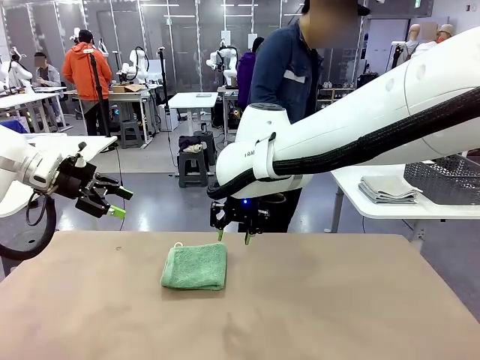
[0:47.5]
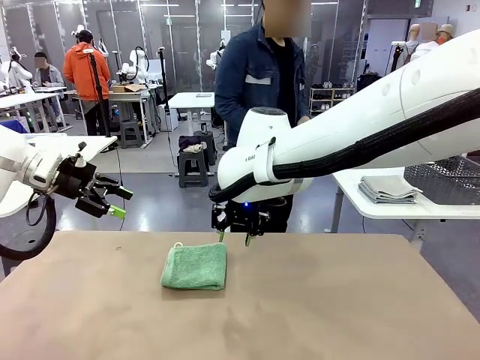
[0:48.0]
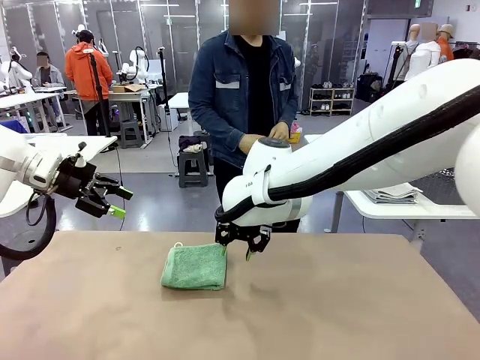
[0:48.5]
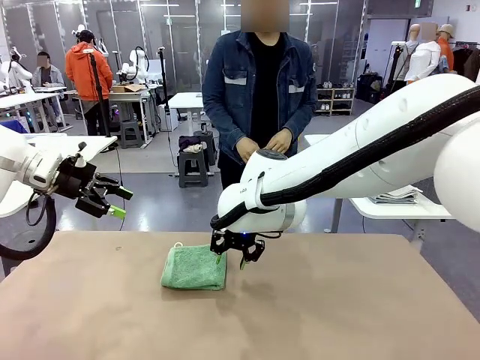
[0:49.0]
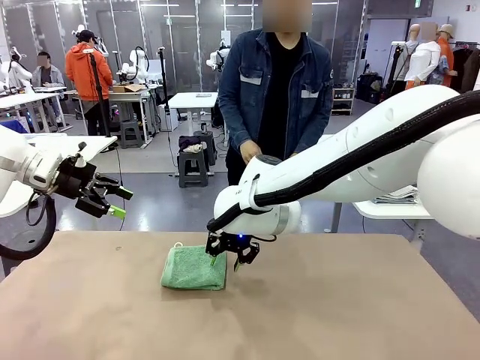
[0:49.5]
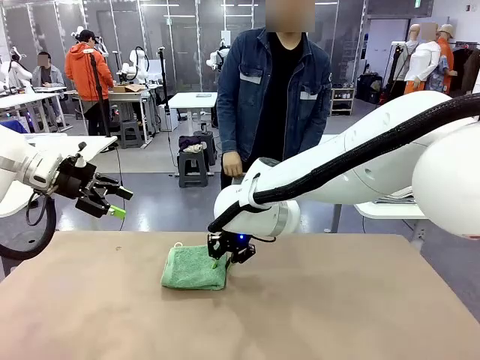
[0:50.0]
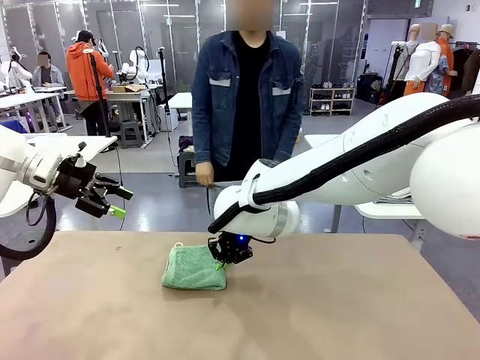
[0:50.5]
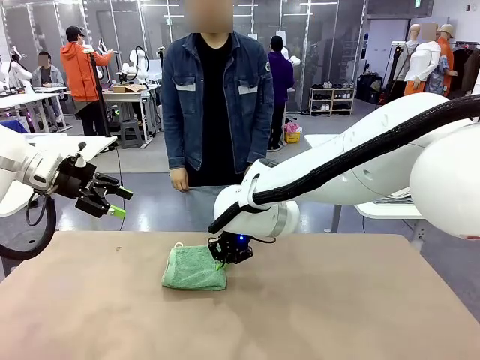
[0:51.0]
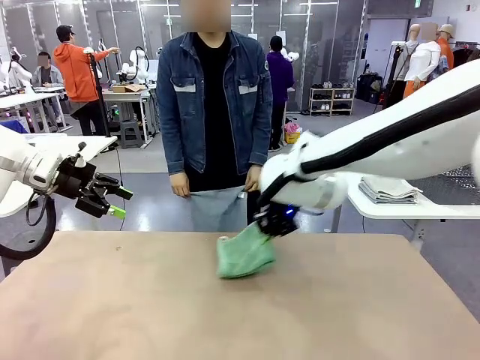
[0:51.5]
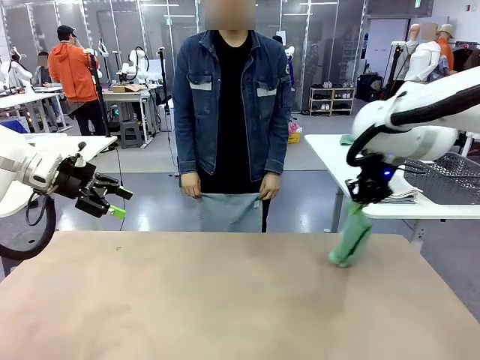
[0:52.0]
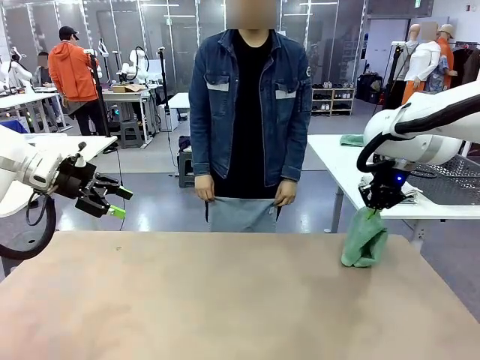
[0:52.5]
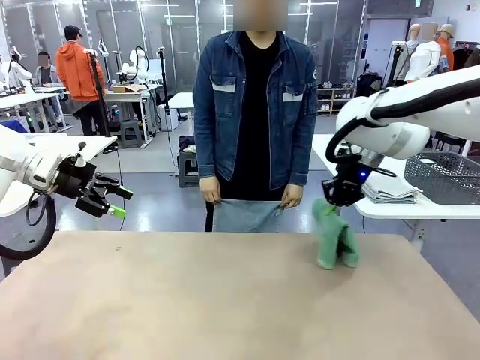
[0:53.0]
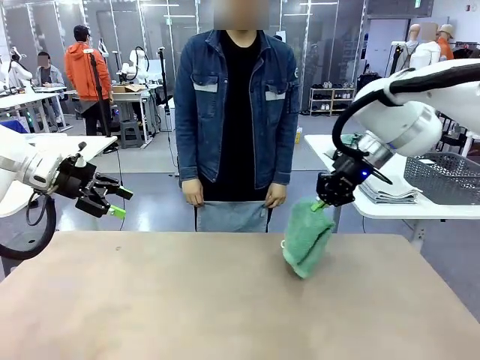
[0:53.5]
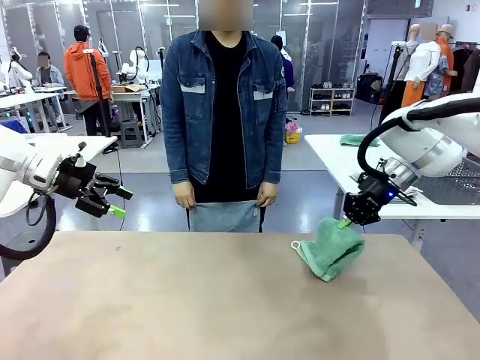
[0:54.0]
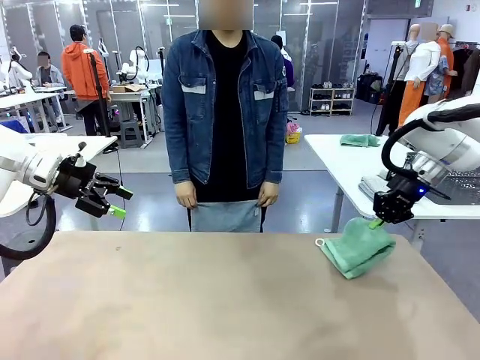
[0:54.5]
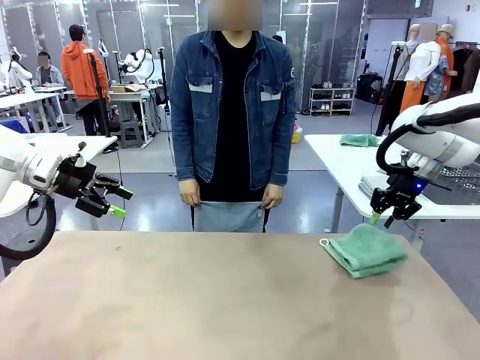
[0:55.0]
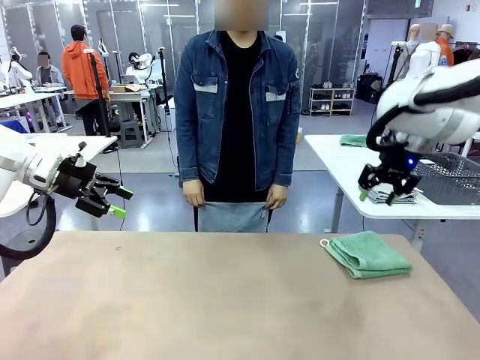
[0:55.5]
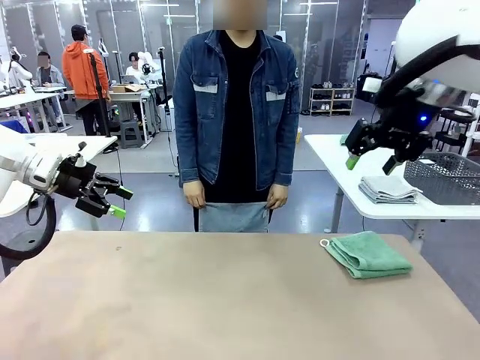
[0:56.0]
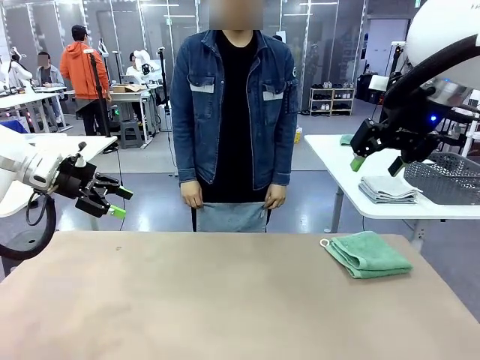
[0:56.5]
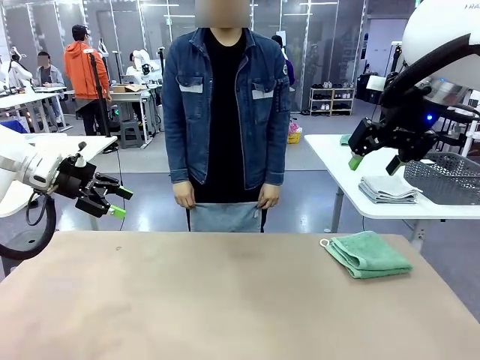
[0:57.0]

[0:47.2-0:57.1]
Task: Fold the towels and place them in the basket.
Robot: Place the folded Towel with hook on the right side of the table.
Person: Pick up one towel from the left side of the human table and spread it out at the center of the robot table.

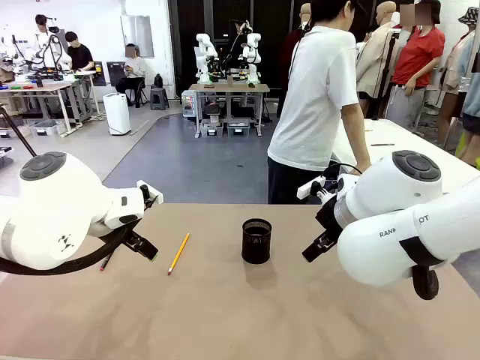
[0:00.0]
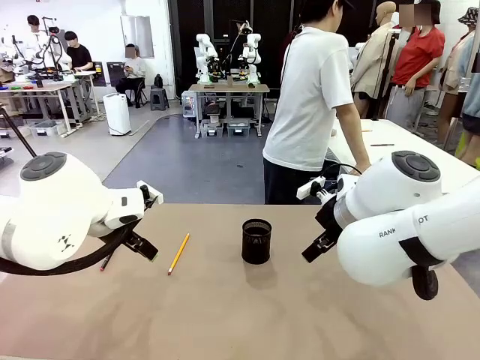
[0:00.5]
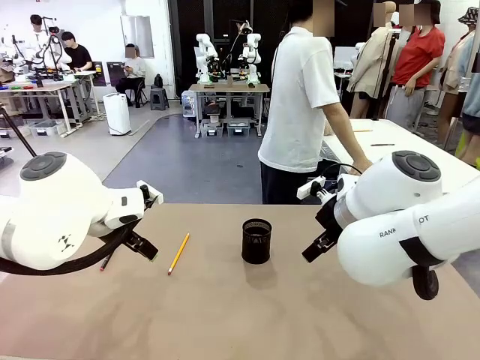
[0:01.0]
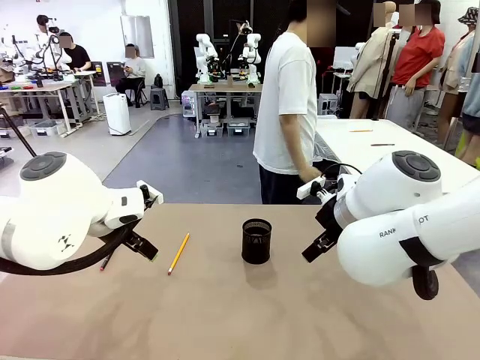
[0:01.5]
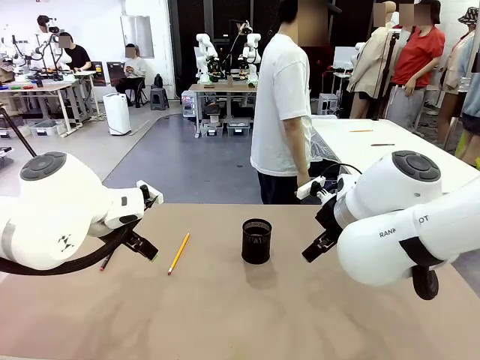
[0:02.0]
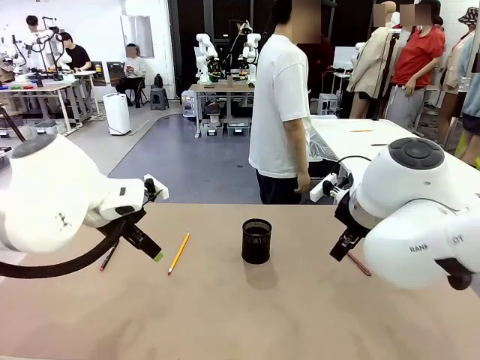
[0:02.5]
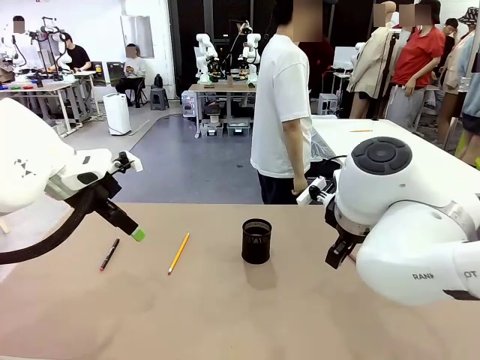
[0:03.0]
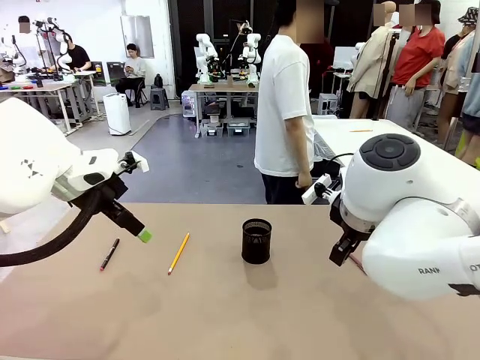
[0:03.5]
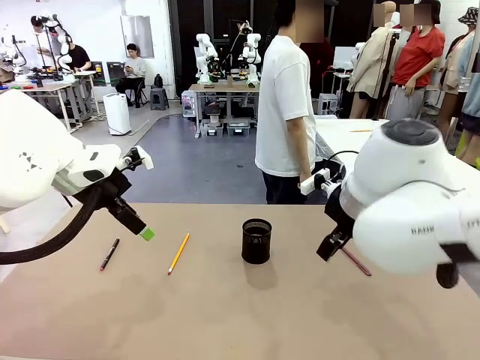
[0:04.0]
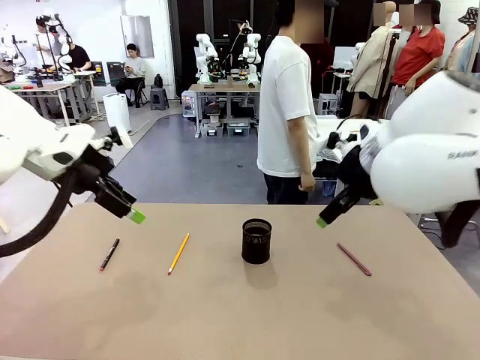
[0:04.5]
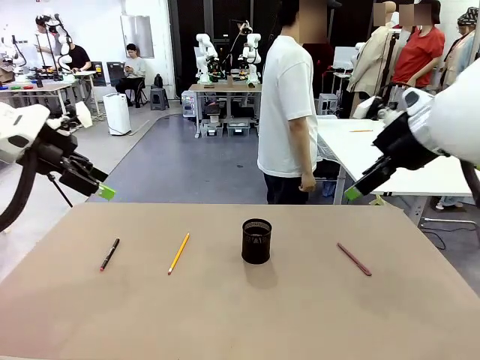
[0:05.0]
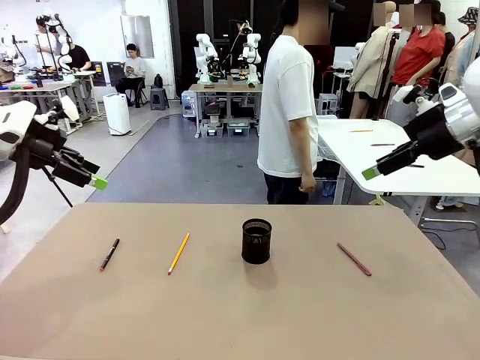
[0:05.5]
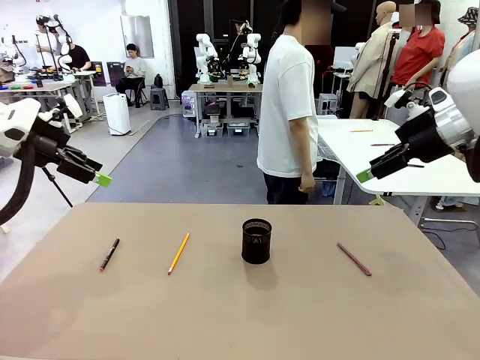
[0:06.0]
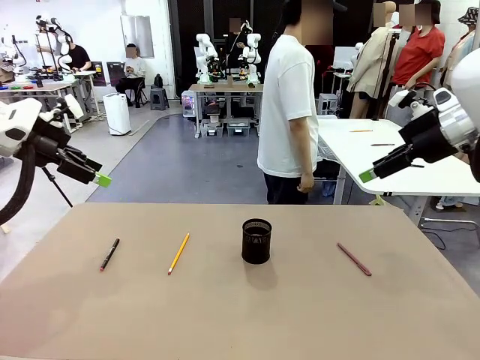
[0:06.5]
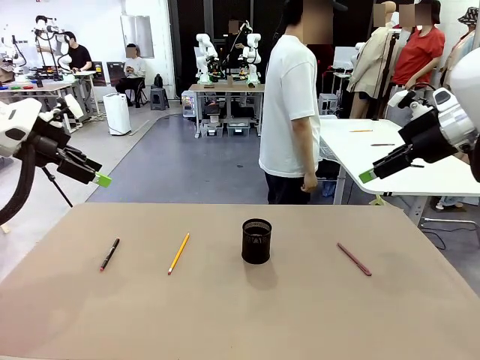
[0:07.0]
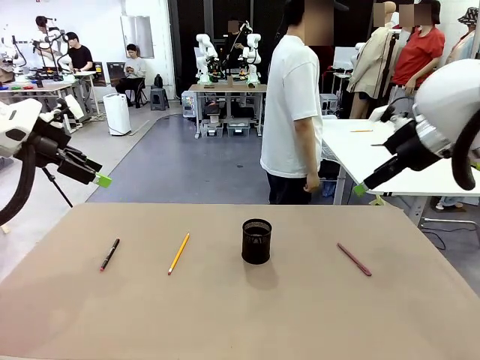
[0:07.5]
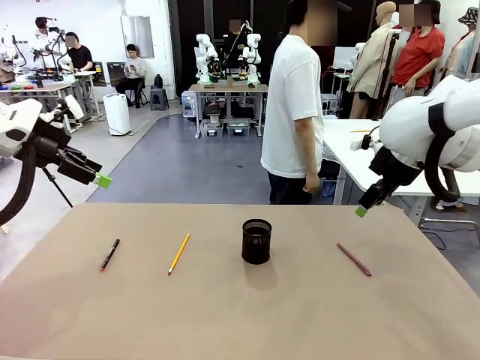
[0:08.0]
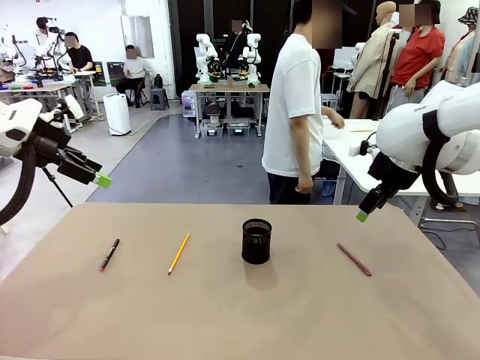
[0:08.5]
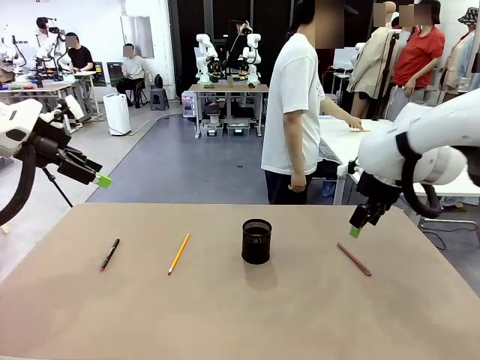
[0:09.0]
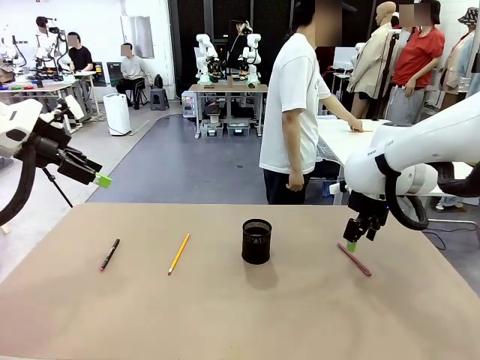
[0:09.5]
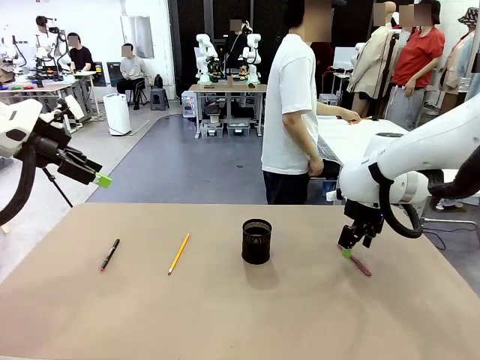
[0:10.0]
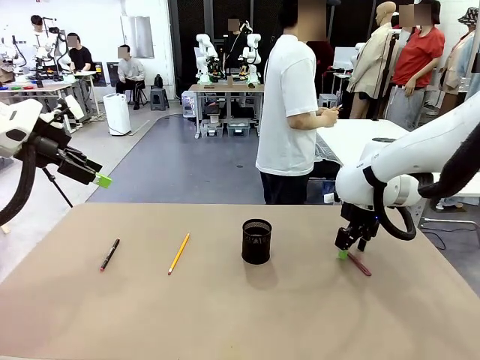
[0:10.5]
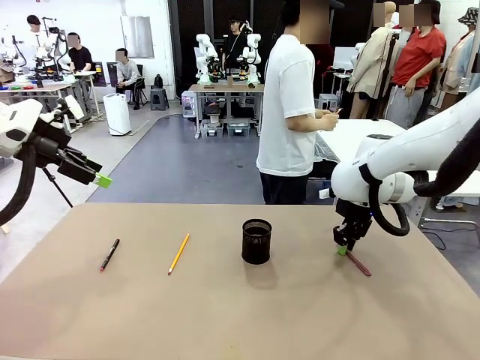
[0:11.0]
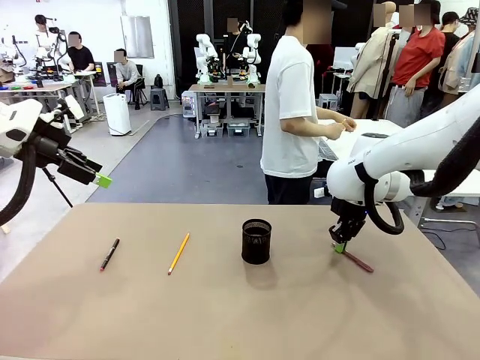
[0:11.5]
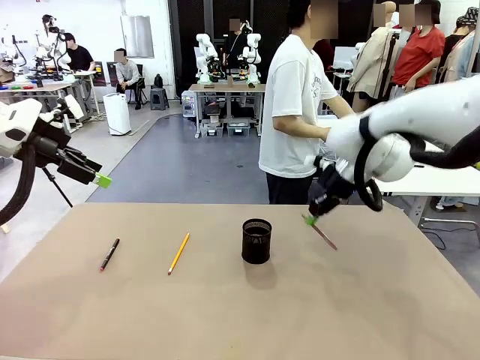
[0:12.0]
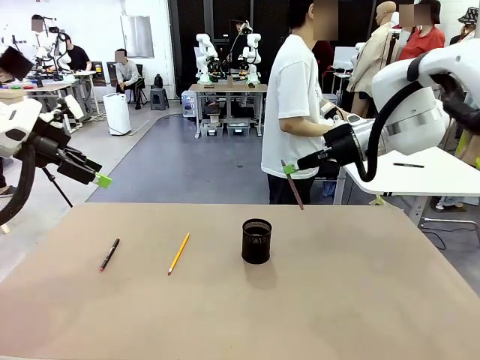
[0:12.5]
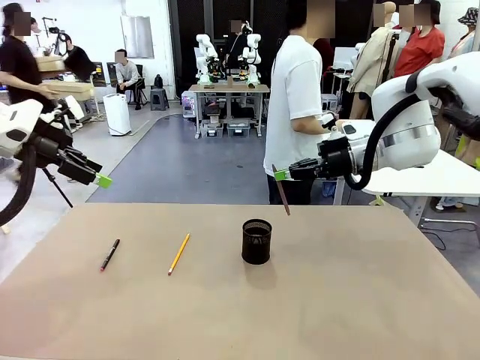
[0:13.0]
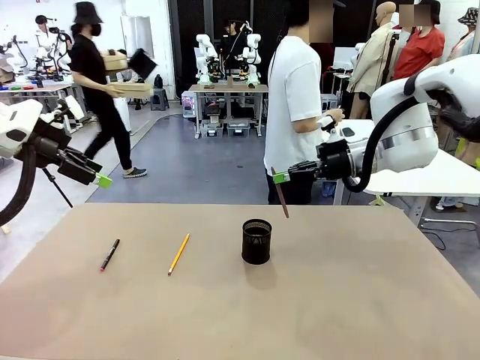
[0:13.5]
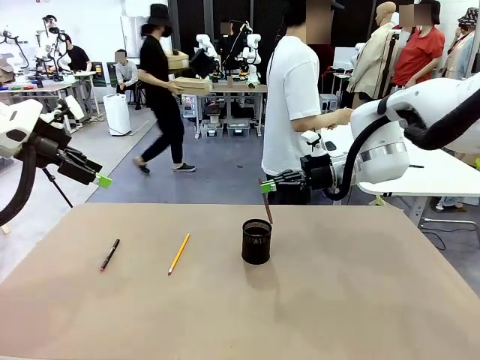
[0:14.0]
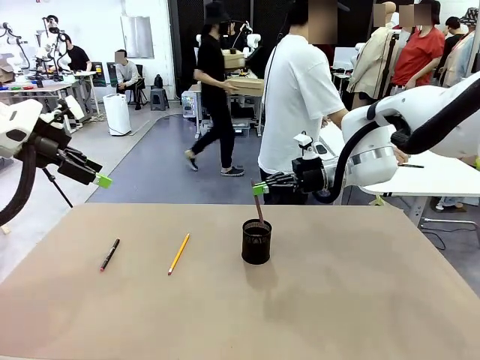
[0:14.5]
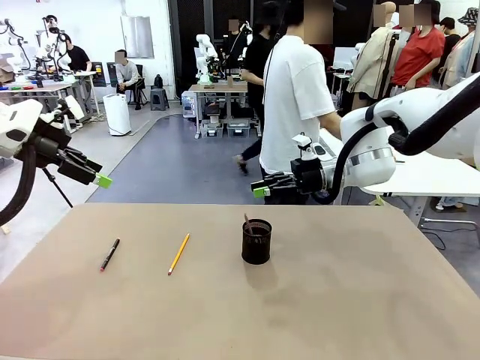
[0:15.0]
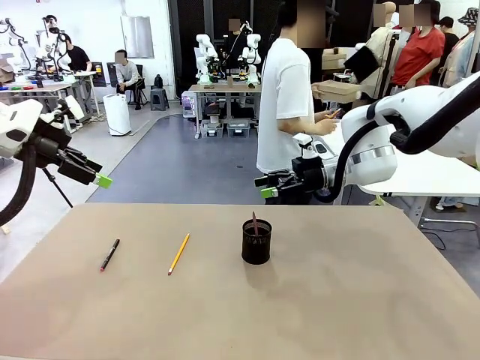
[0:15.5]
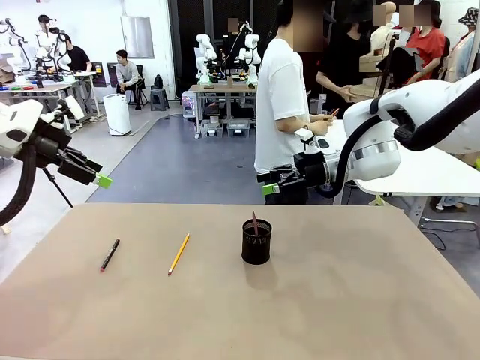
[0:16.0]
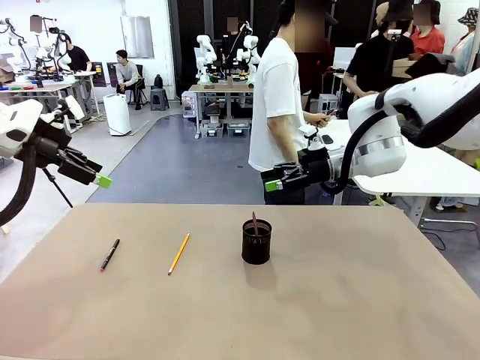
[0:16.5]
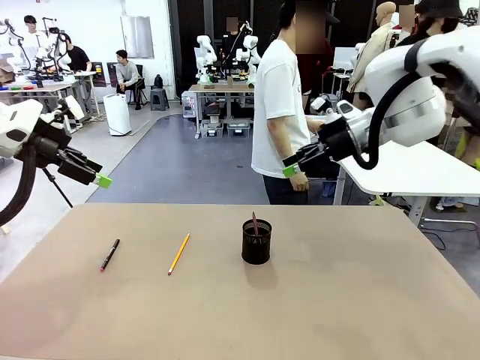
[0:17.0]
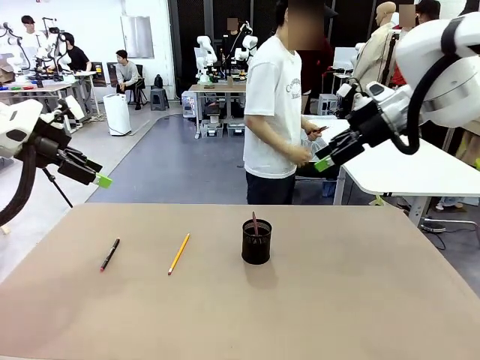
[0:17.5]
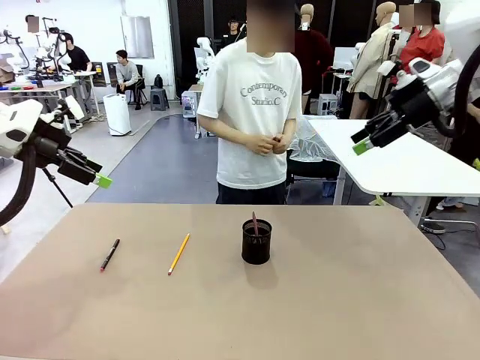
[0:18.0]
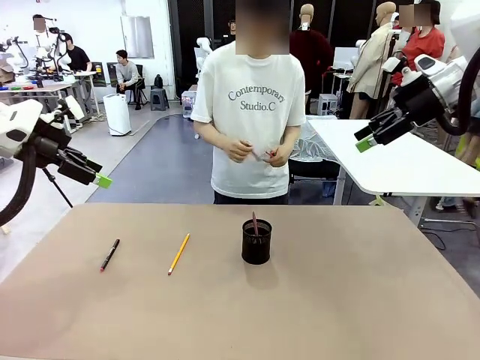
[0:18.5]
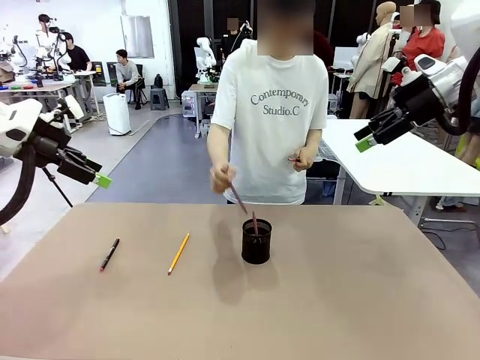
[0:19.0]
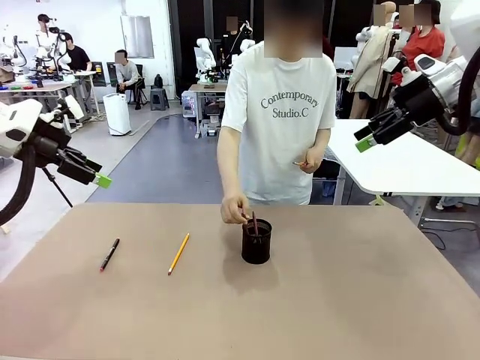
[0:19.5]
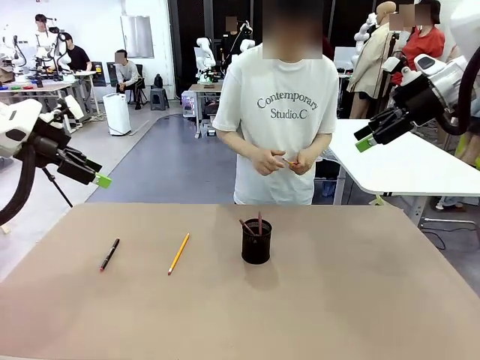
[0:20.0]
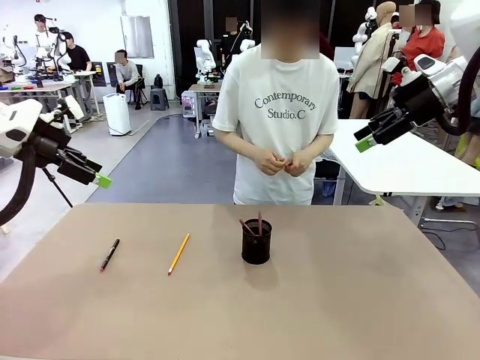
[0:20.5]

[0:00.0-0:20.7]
Task: Place the pens into the pen holder.
Robot: Pick up a writing instrument from the table and place it into the Pen holder.
Person: Pick up all writing instruments from the Human table.
